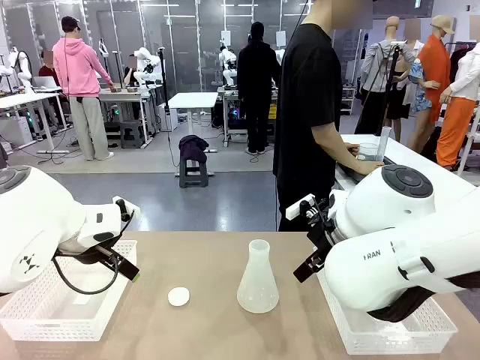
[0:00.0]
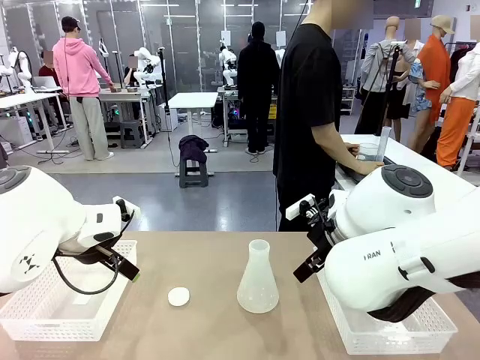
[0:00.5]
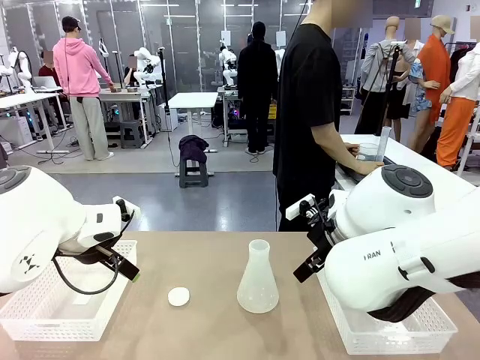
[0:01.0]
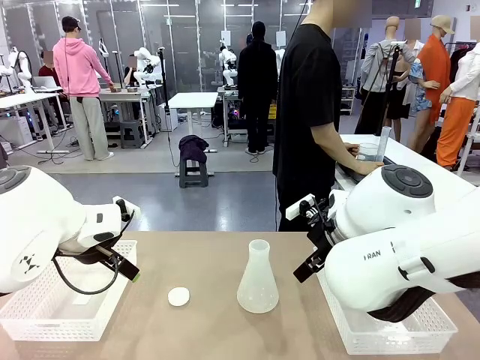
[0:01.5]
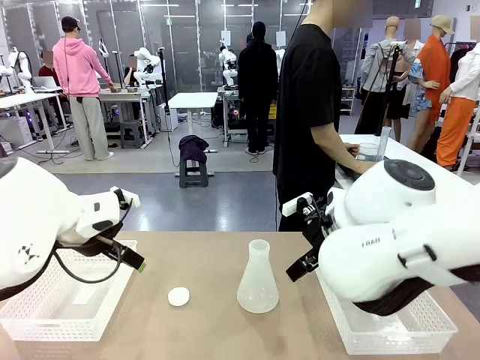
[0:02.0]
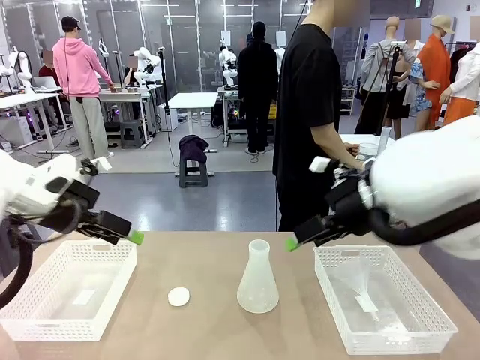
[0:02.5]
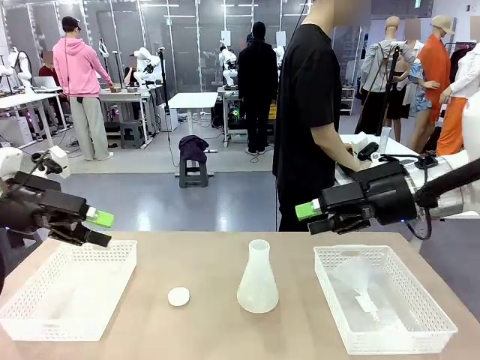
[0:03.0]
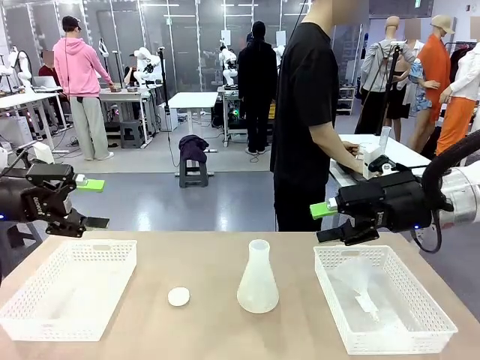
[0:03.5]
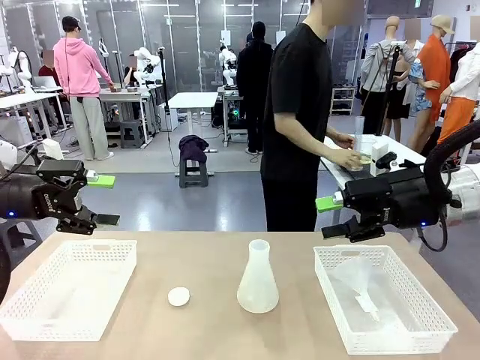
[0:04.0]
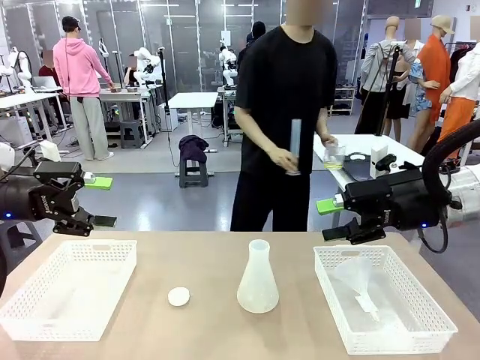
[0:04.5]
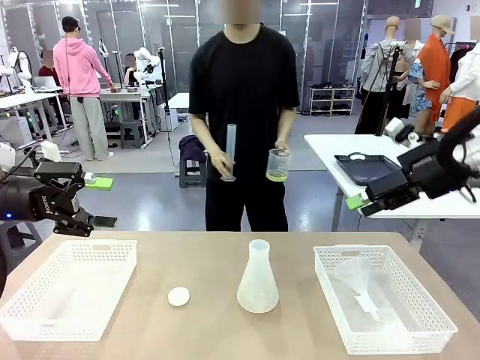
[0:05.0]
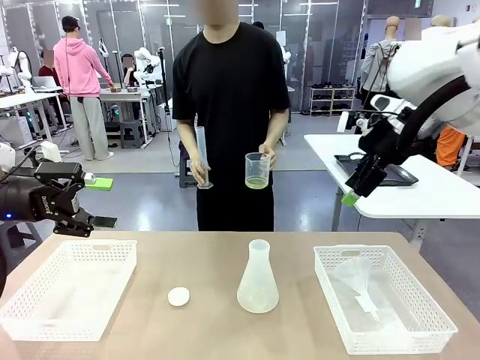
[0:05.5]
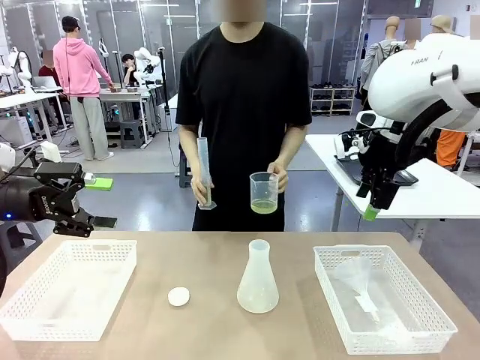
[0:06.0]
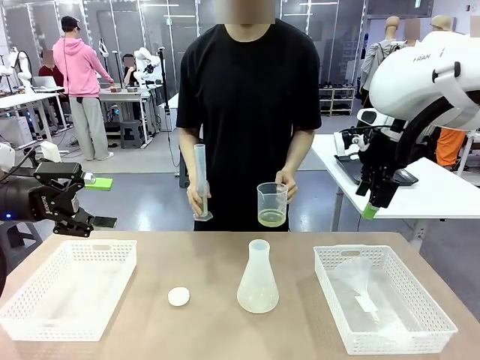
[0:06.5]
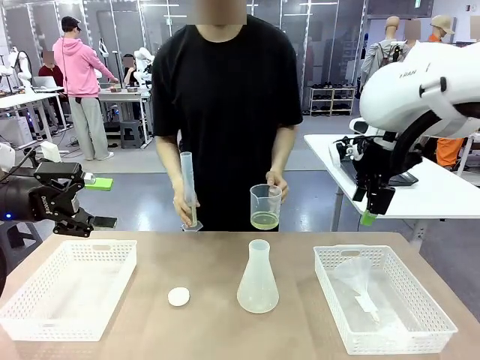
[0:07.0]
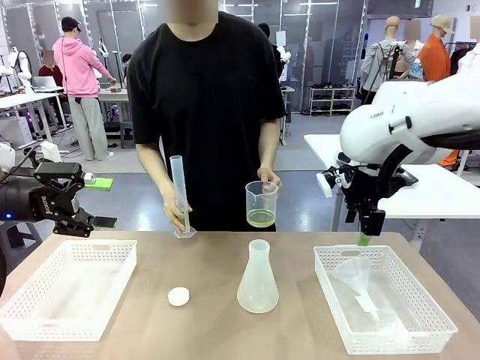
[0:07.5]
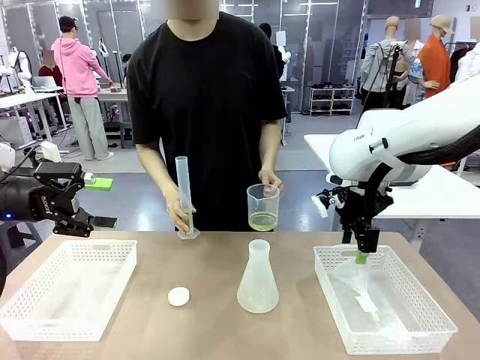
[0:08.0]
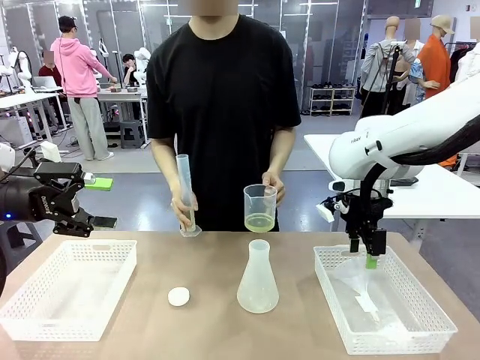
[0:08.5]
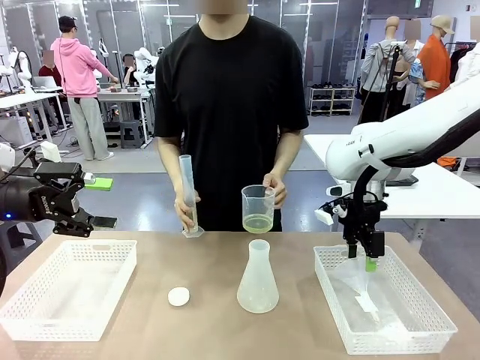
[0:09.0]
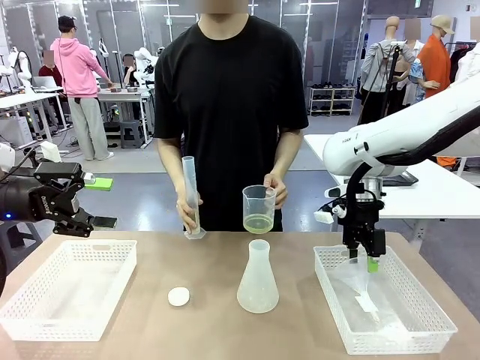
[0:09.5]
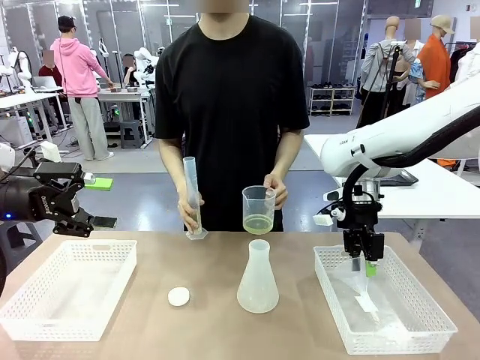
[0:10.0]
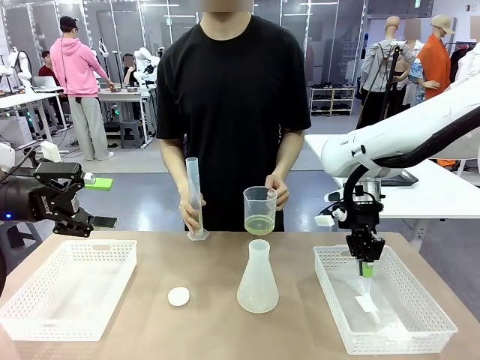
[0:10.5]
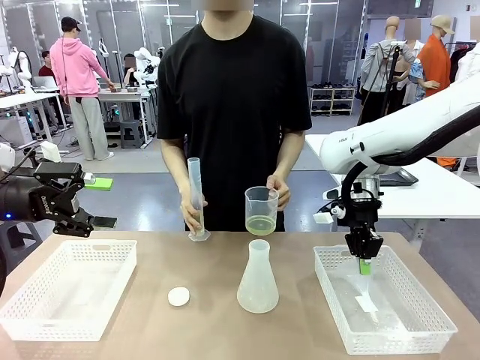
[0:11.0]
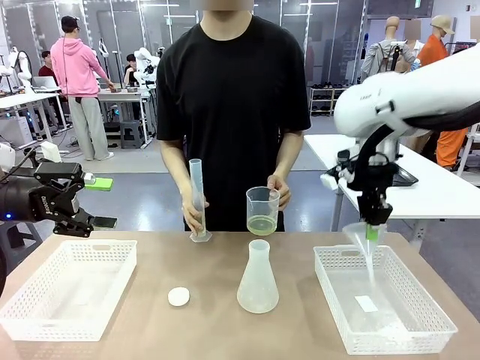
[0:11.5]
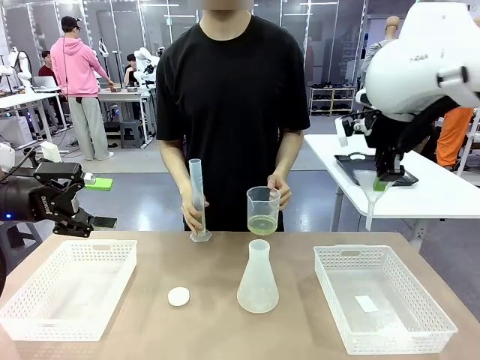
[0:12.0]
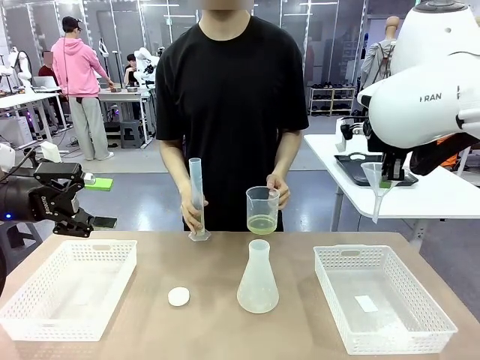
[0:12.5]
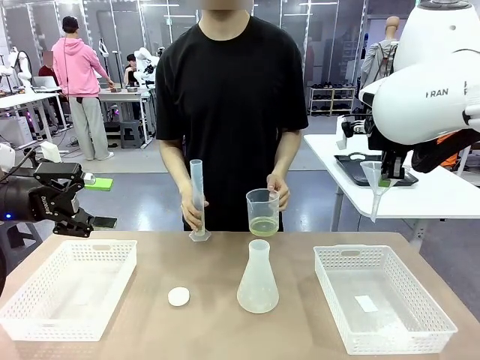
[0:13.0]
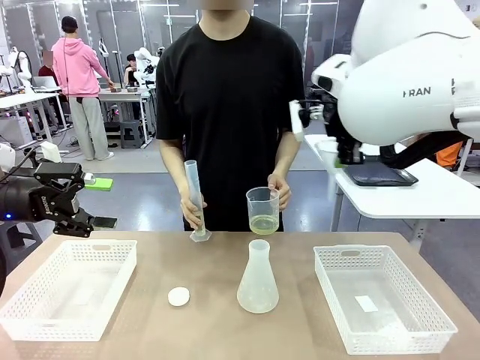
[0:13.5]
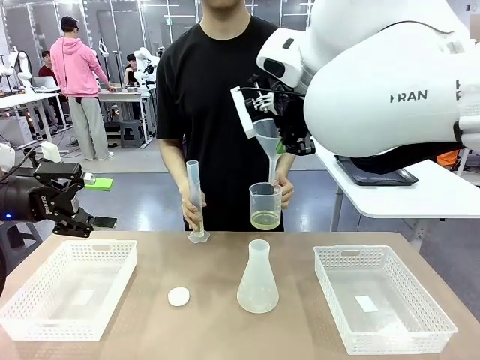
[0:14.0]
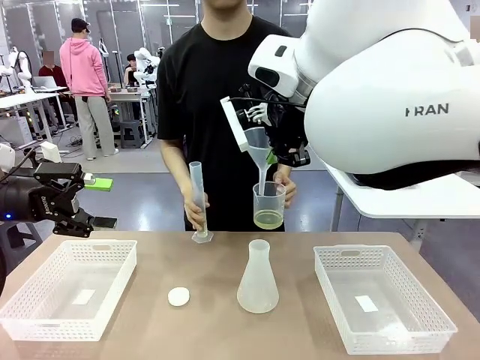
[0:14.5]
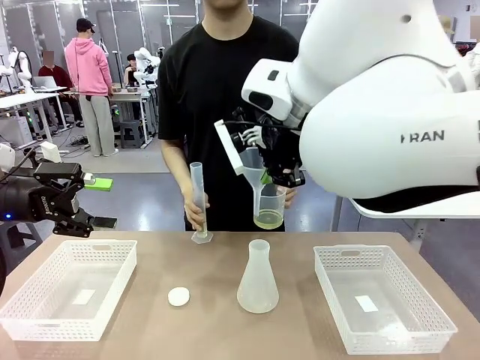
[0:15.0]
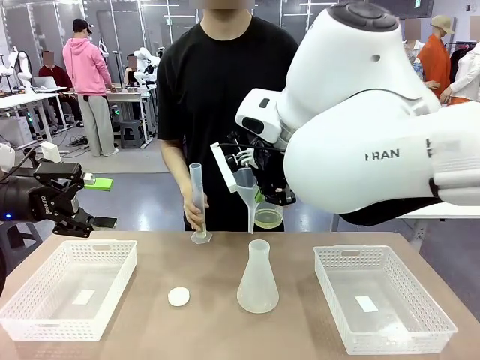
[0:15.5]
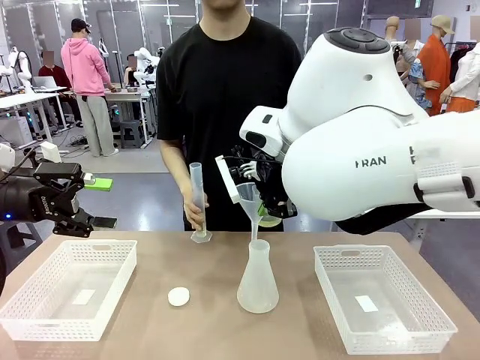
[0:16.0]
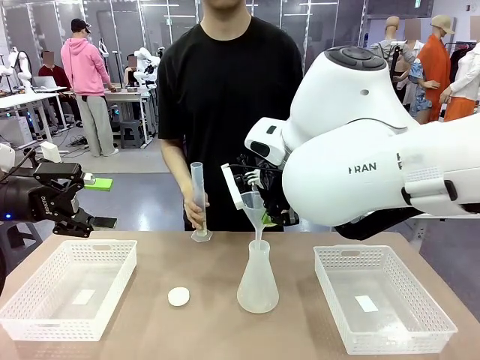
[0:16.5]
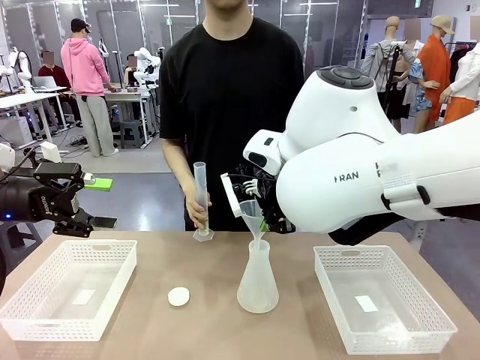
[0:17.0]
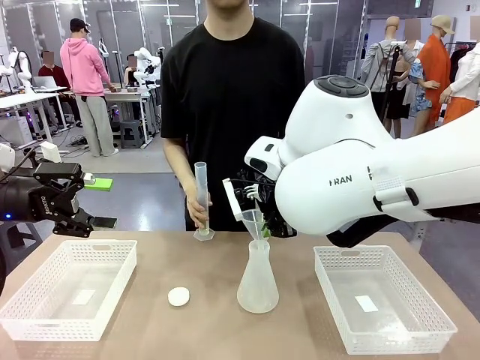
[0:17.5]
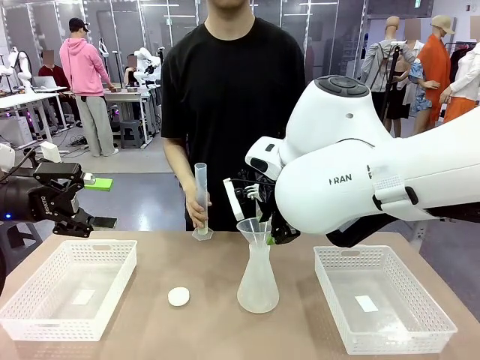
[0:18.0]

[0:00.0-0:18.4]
Task: Prepare the solutions needed for the experiment.
Robot: Pick up the Plastic Funnel and insert it into the Big flask.
Person: Pick up the beaker and the cylinder and move to the middle of the robot table. Pour the solution from the beaker and the cylinder into the flask.
